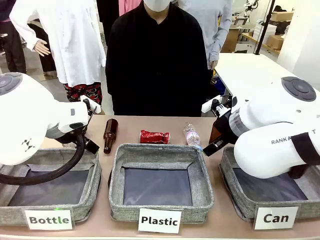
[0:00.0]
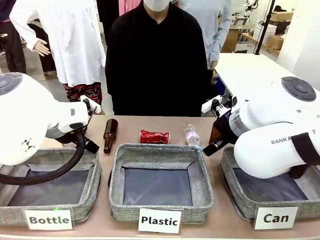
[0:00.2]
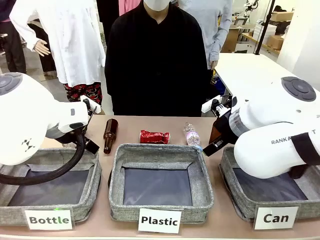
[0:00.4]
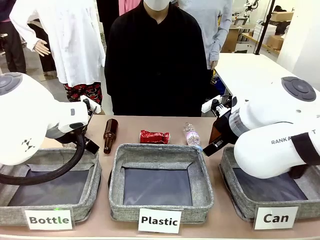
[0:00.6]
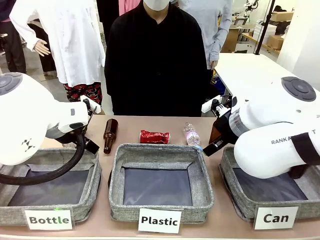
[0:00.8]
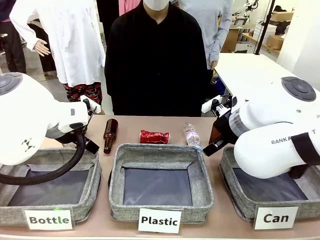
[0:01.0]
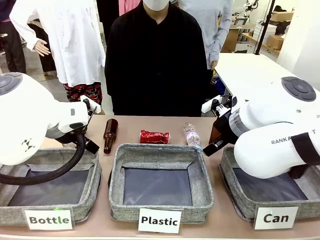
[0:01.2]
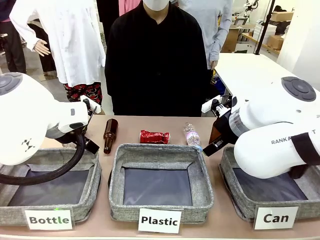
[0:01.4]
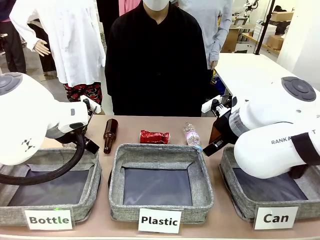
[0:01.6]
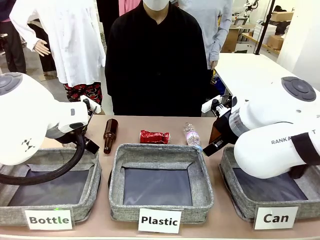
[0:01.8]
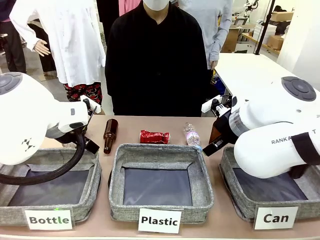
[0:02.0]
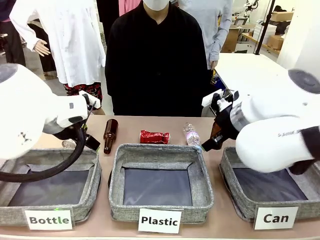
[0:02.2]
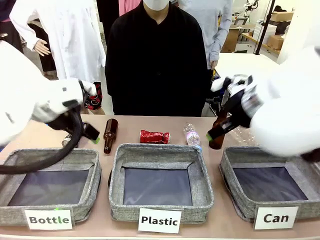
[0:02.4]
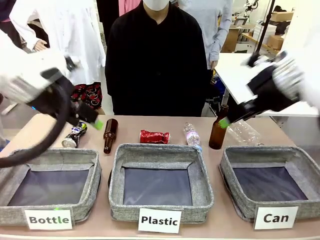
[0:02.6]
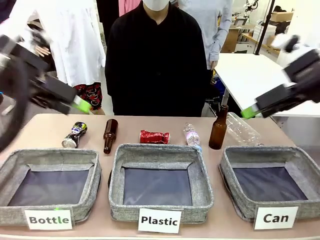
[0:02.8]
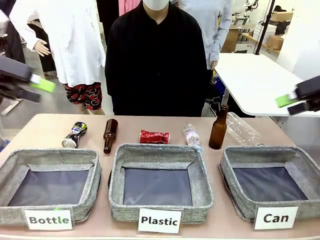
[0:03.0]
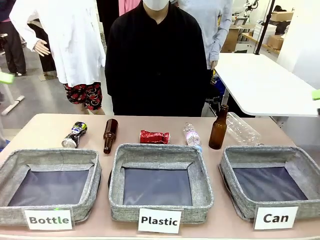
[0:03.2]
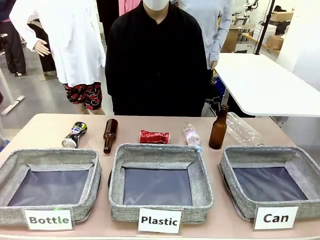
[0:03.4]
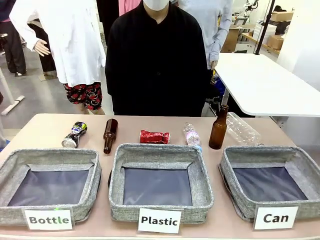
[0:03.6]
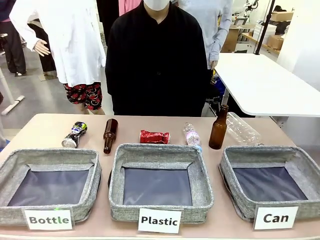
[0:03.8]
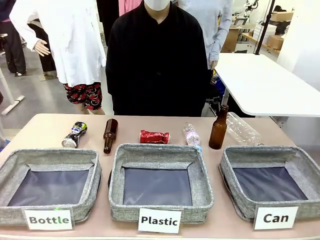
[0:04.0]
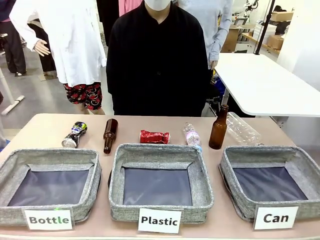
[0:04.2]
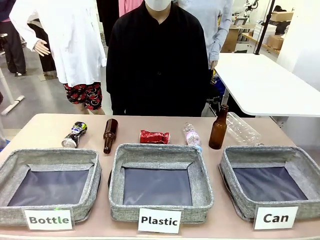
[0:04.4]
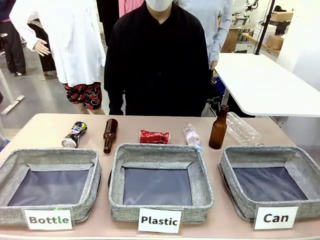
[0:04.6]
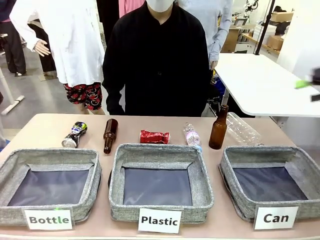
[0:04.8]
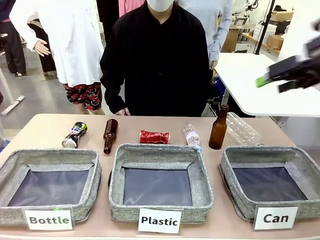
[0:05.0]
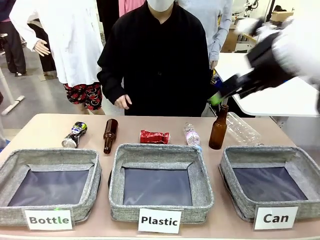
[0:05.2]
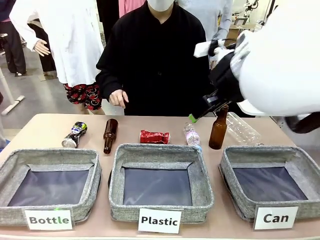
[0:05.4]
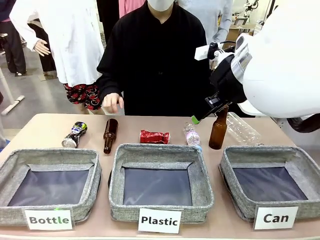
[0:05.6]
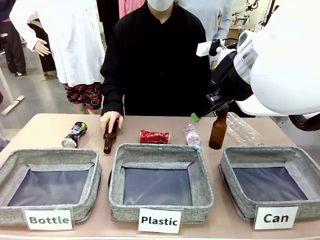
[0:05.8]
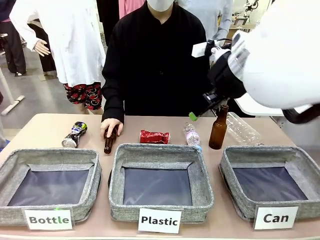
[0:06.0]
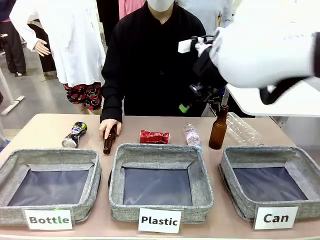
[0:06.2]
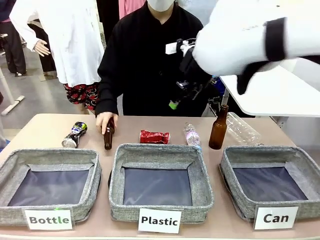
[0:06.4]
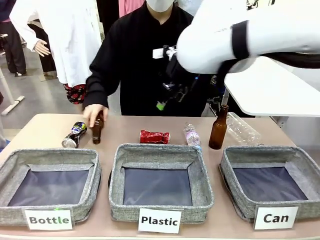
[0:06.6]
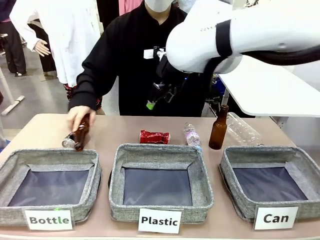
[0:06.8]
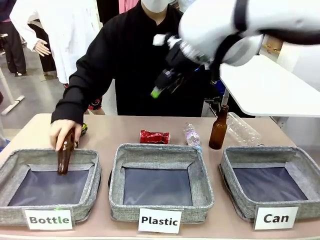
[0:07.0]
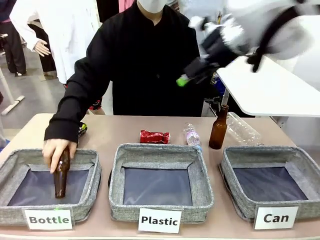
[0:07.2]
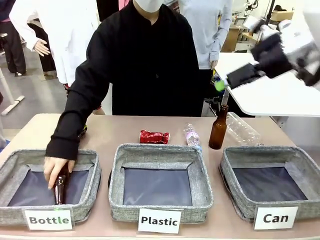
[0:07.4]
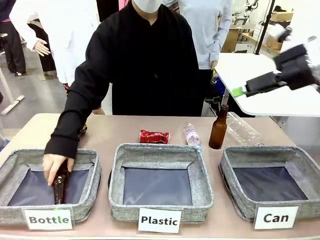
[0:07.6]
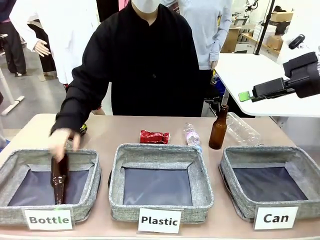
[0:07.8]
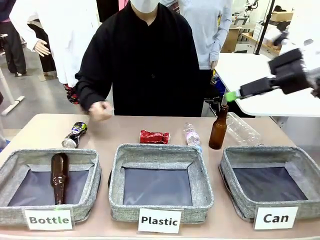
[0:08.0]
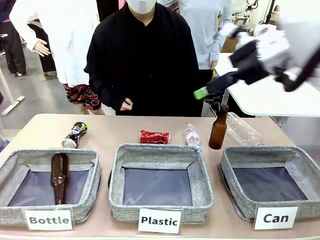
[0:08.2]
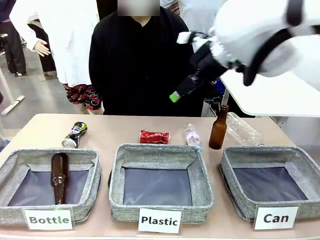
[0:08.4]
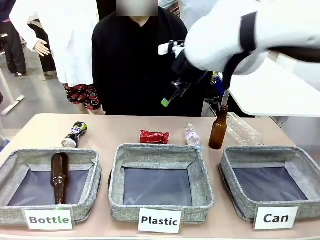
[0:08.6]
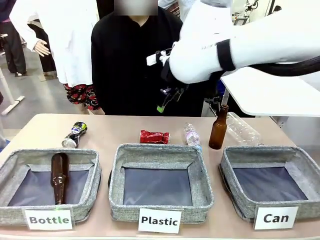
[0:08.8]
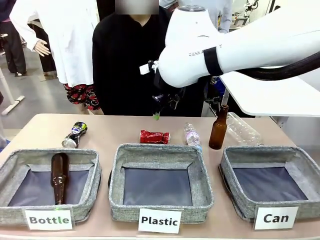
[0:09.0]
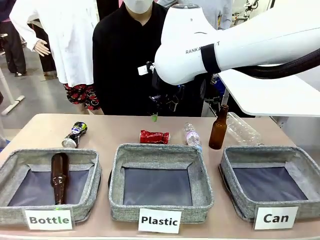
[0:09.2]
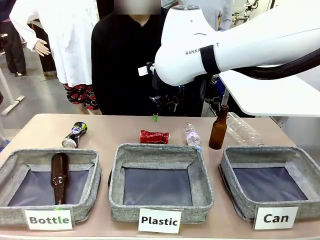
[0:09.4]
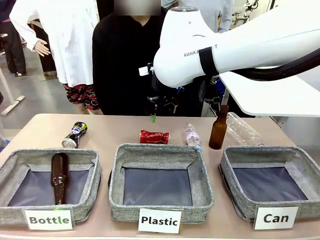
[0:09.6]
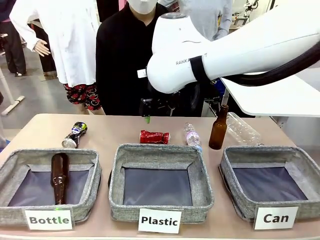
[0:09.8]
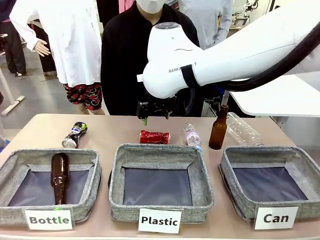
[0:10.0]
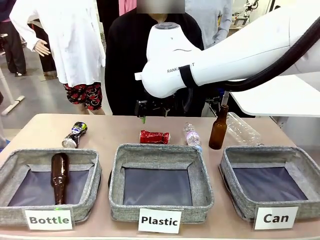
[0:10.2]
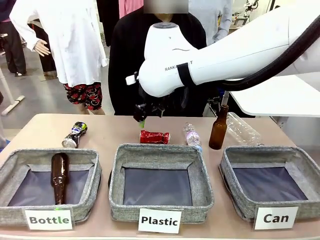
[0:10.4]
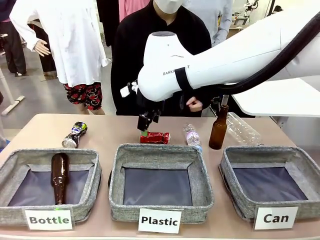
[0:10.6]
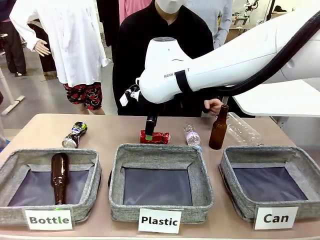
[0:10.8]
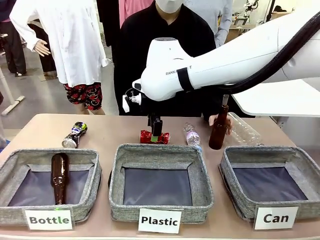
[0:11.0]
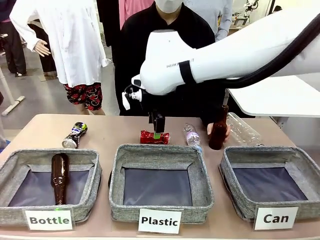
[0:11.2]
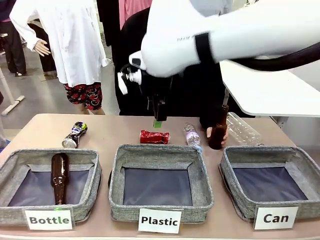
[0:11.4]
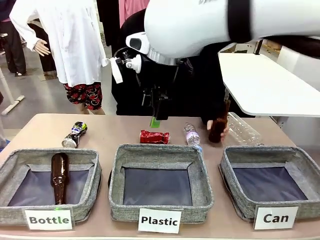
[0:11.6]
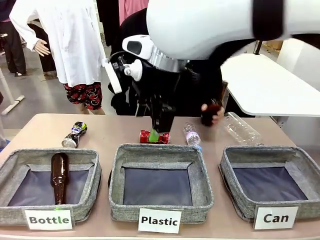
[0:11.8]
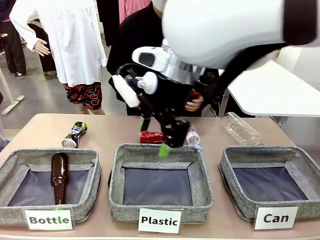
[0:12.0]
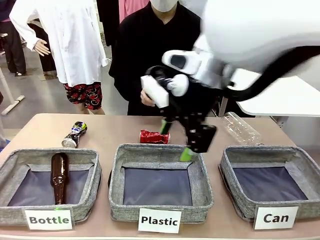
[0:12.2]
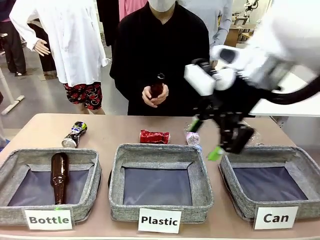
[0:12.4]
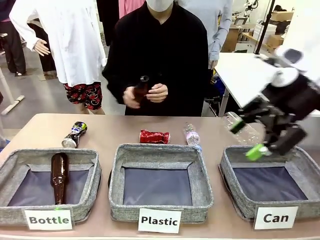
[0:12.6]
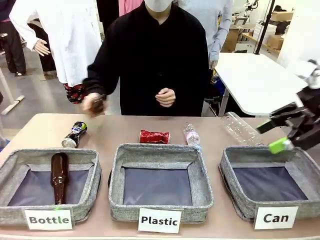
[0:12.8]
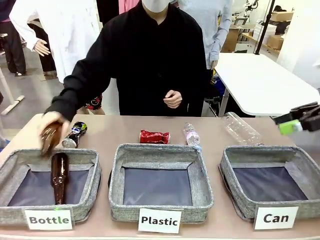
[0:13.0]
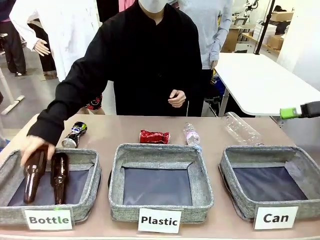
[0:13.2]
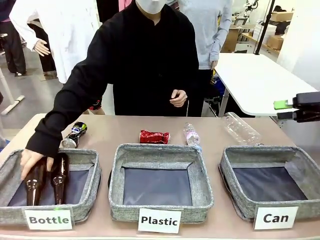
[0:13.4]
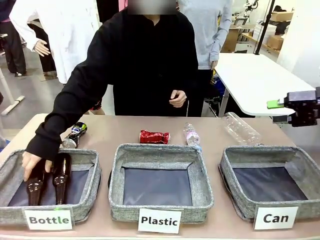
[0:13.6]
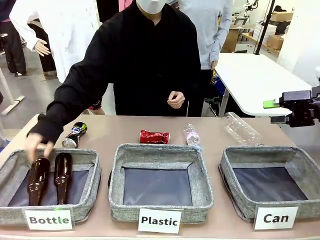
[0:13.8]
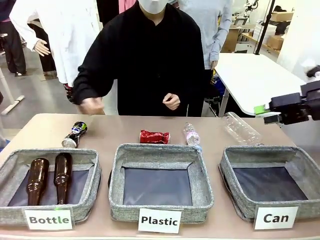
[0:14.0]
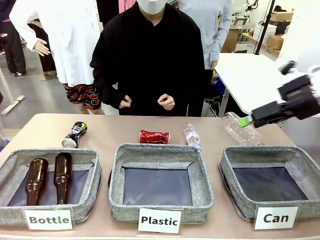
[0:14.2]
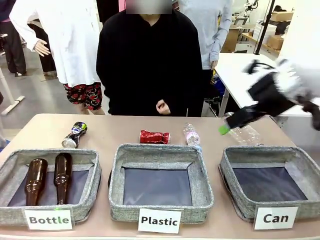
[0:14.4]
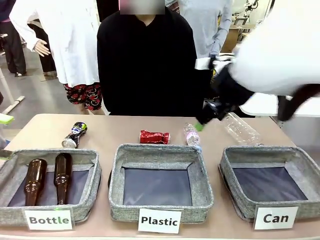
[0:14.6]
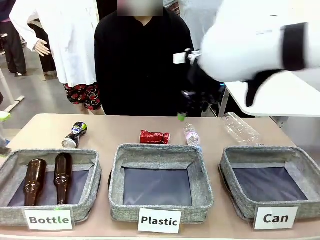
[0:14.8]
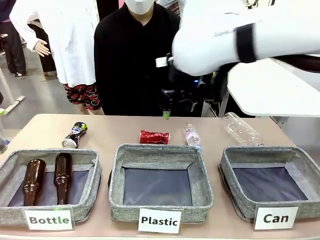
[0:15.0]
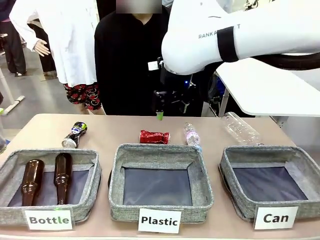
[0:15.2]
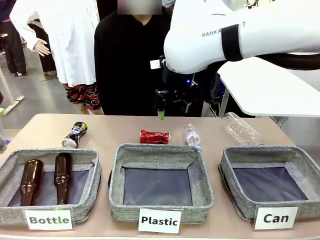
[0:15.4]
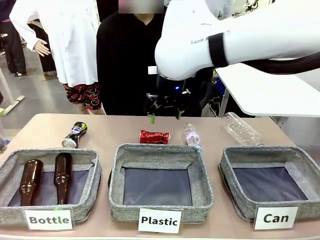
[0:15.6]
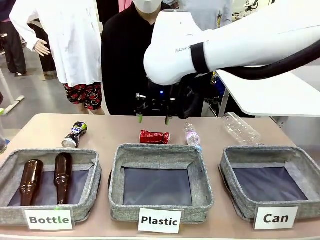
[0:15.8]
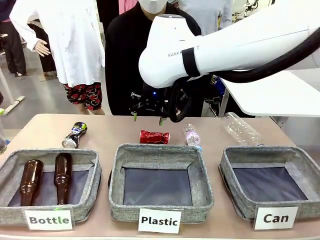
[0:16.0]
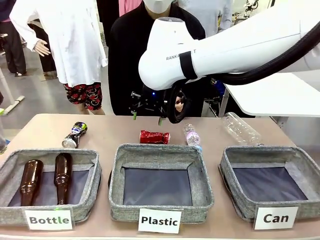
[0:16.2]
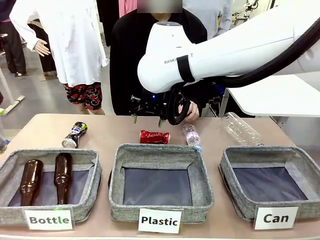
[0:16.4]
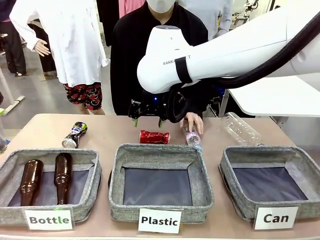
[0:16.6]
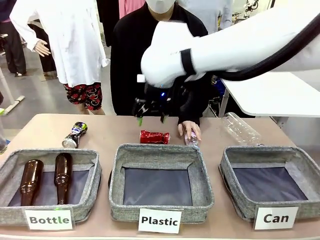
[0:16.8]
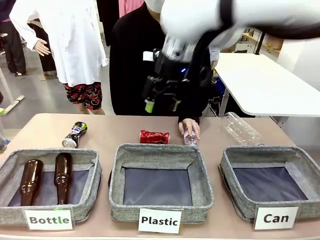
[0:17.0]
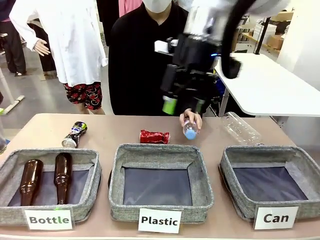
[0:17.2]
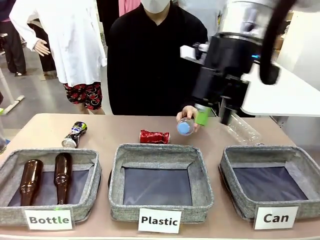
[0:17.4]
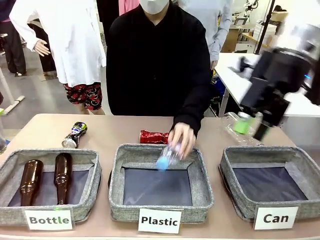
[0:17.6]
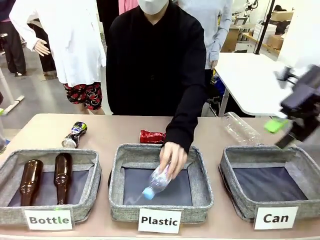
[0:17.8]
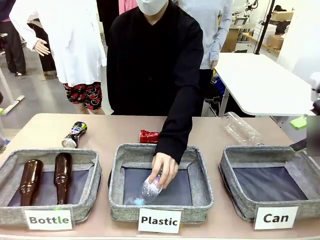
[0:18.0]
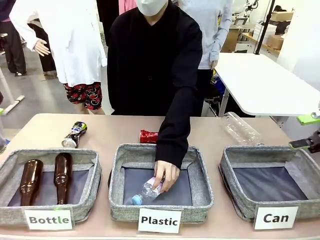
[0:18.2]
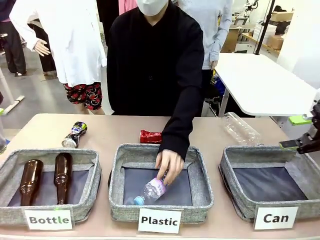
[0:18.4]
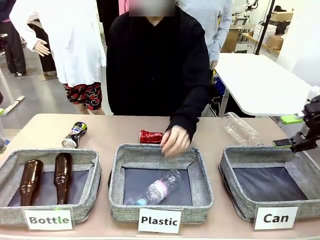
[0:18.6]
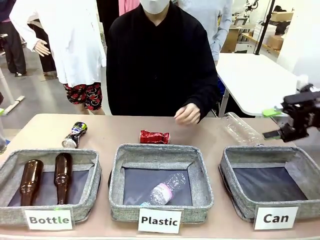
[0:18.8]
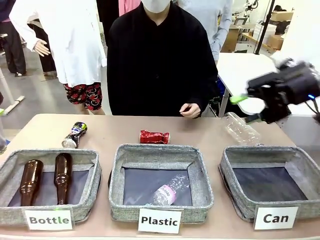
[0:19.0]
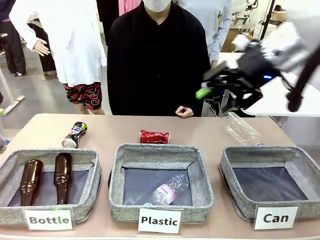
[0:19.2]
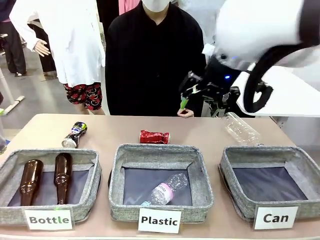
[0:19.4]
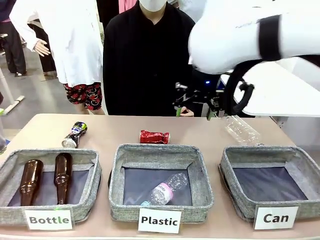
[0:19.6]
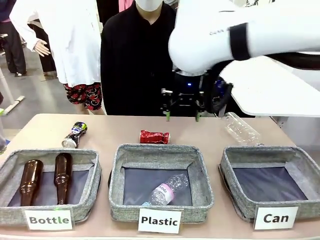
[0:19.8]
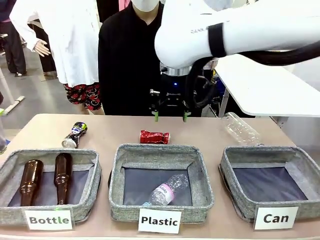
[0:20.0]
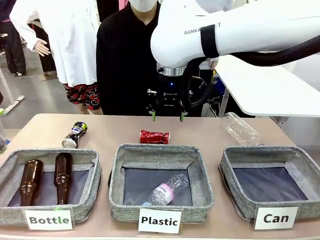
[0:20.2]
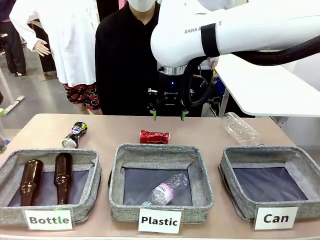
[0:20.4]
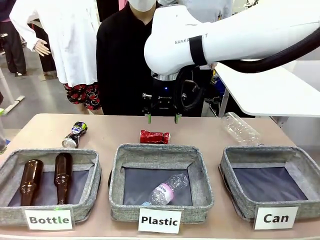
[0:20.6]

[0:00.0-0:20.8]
Task: Sort the can waste into the basket.
Robot: Pick up the can waste from the table and place it in the right Fabric basket.
